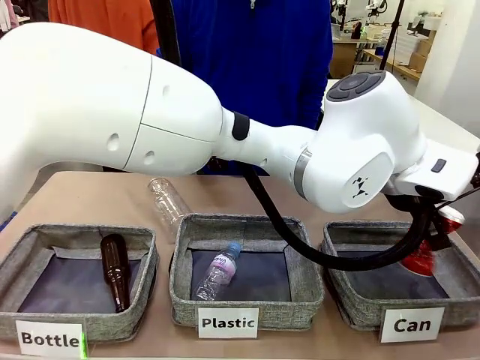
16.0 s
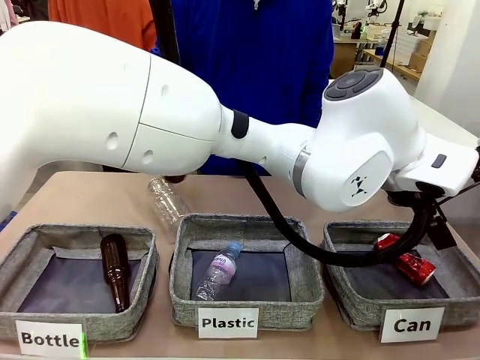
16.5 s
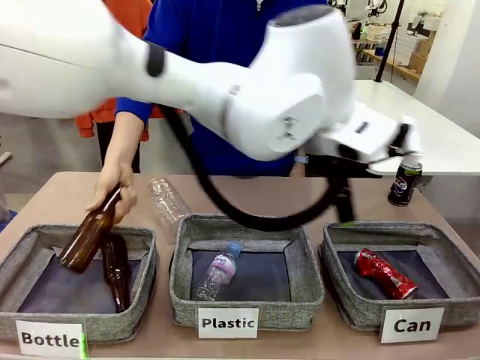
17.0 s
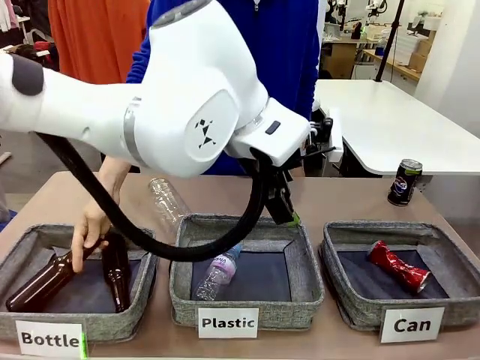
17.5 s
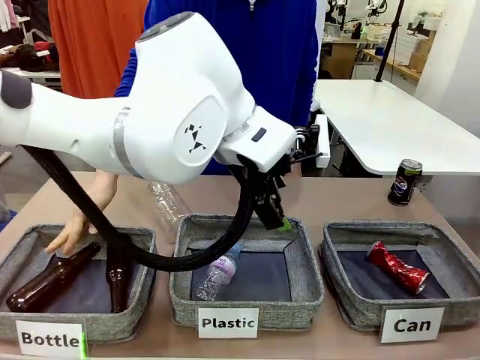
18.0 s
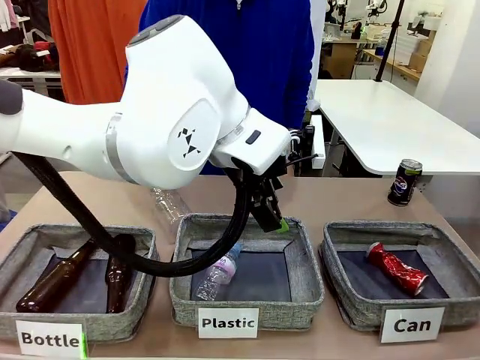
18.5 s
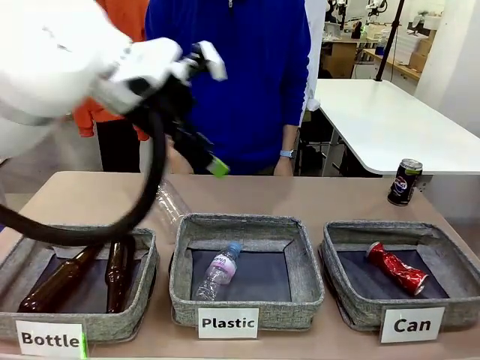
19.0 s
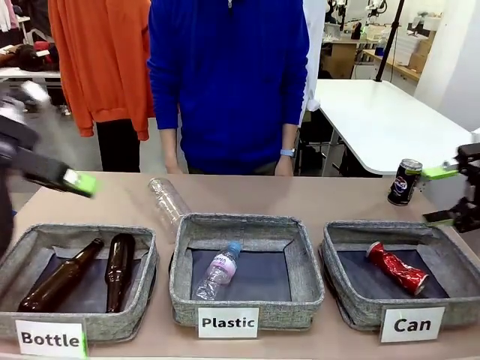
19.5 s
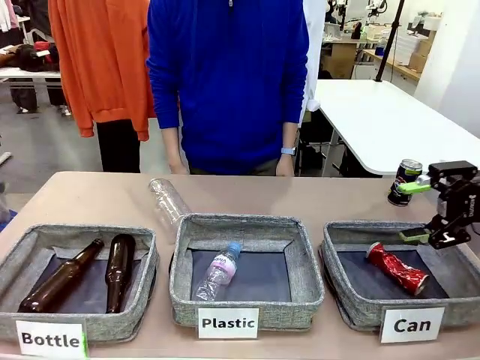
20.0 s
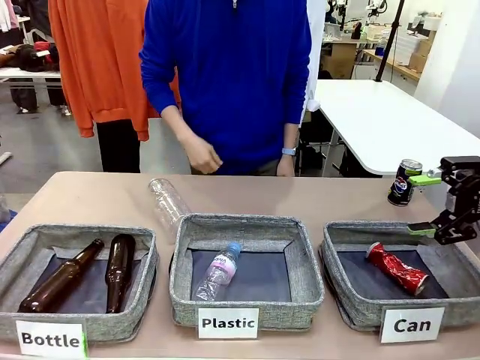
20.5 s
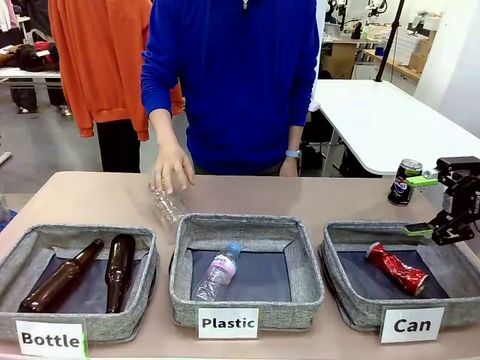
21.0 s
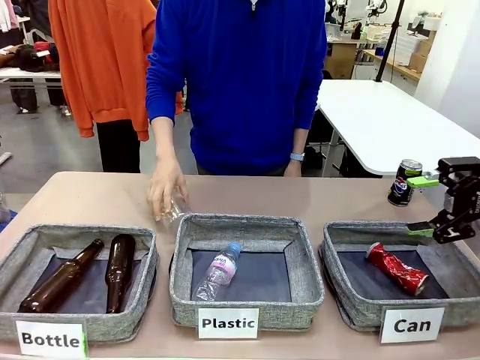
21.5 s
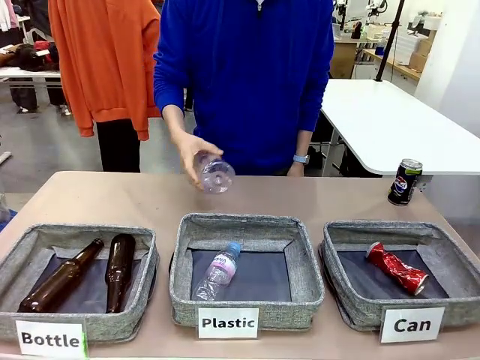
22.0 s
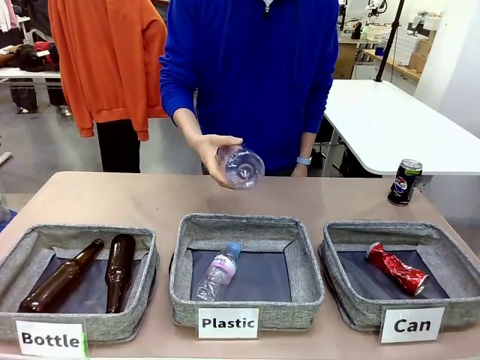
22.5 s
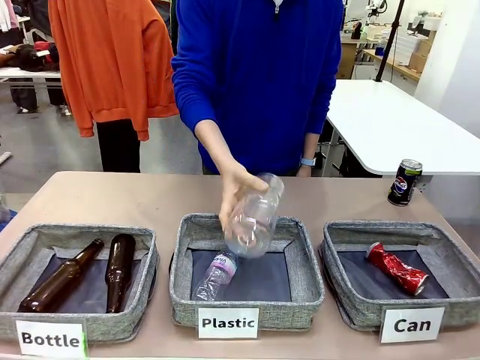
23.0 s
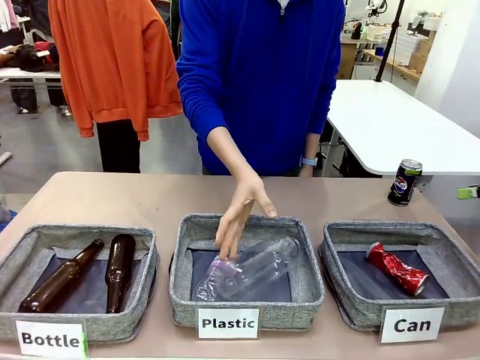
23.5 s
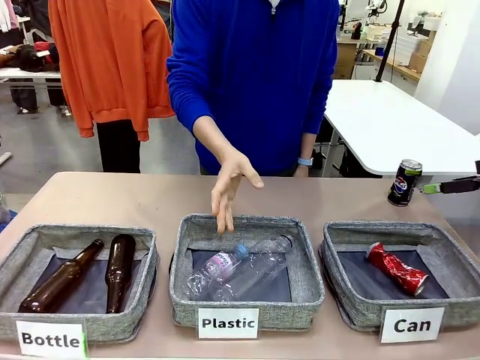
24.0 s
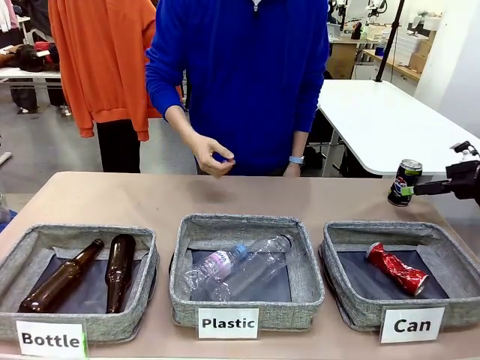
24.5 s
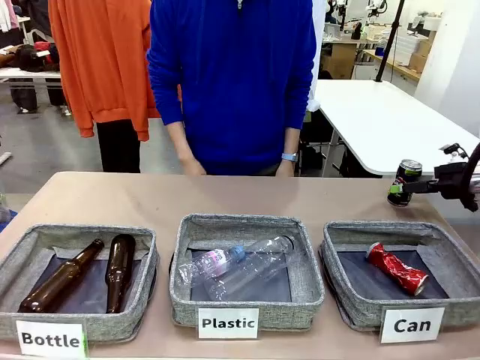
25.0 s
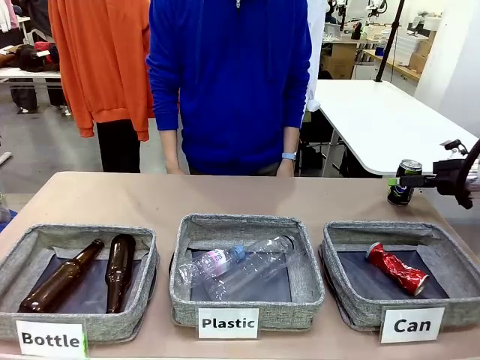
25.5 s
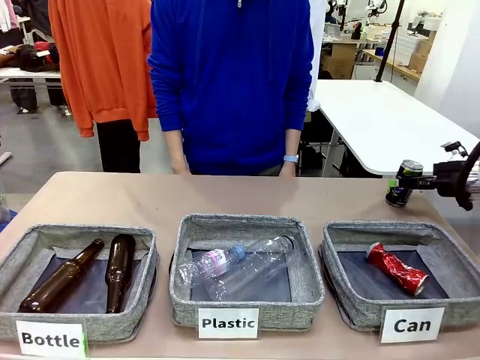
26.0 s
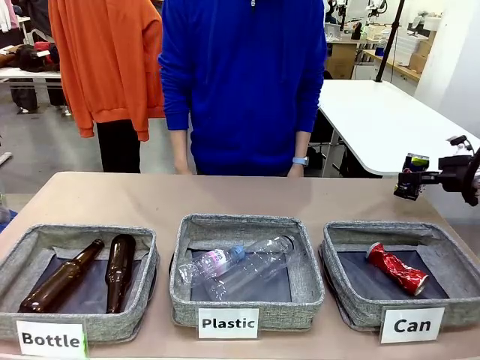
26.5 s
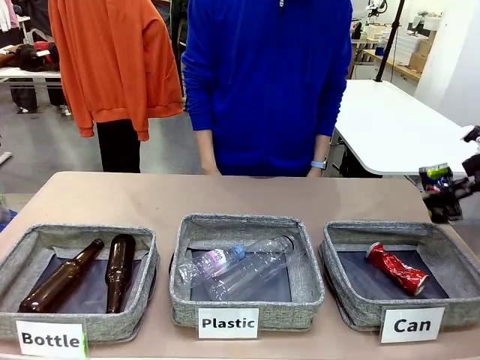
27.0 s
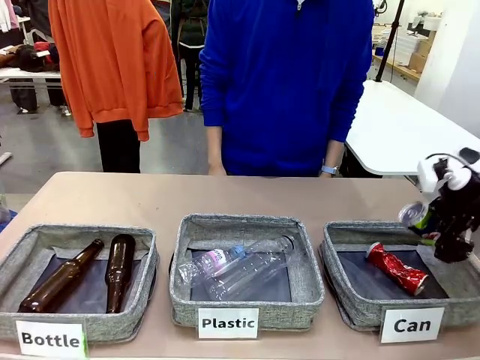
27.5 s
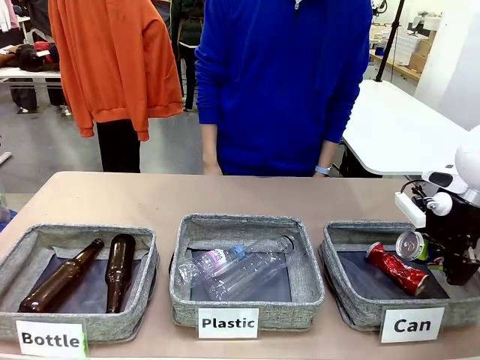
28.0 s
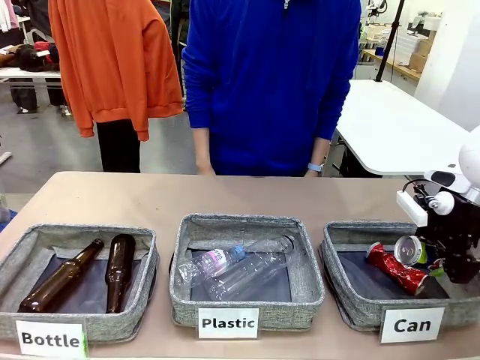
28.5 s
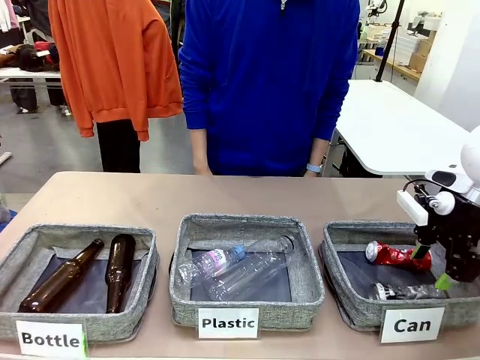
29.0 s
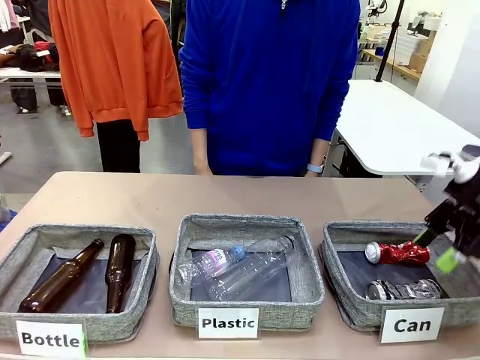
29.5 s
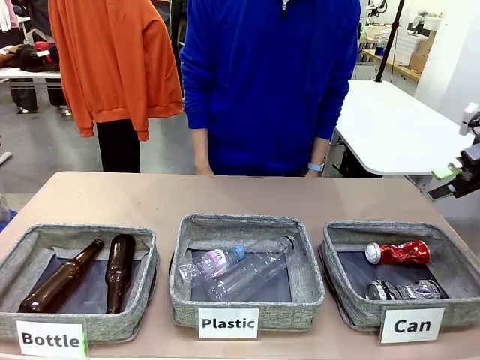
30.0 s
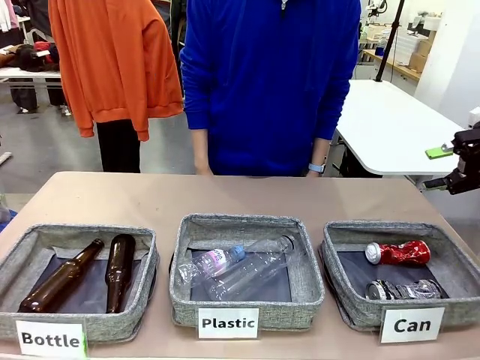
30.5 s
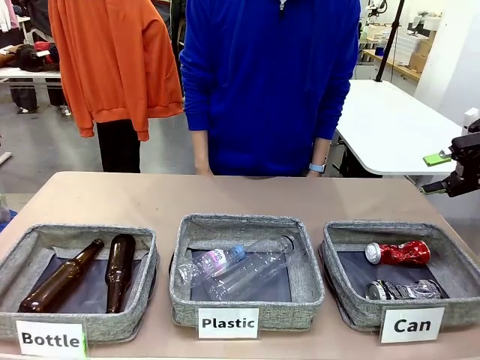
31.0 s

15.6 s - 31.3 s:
Task: Sort the can waste into the basket.
Robot: Pick up the can waste from the table and place it in the right Fabric basket.
Person: The human picks up one piece of trash that is not a can and places the trash into the appropriate organizing basket.

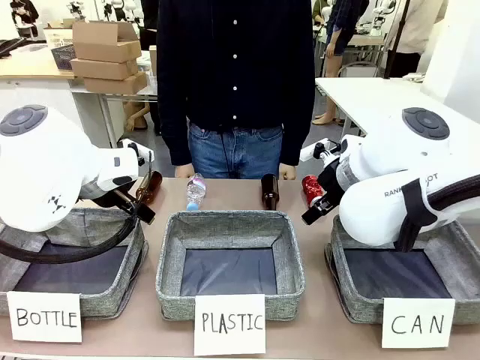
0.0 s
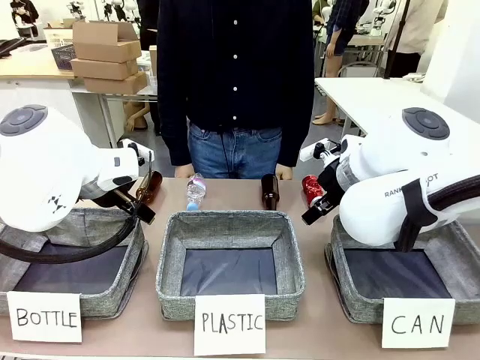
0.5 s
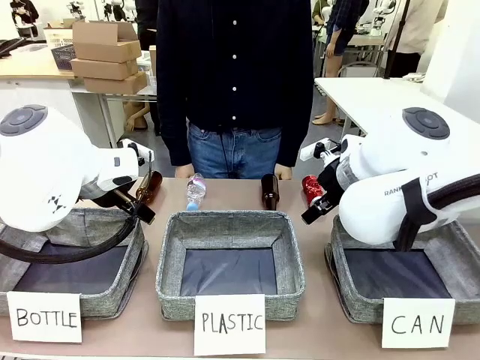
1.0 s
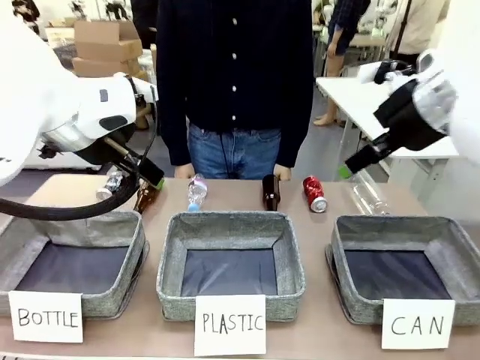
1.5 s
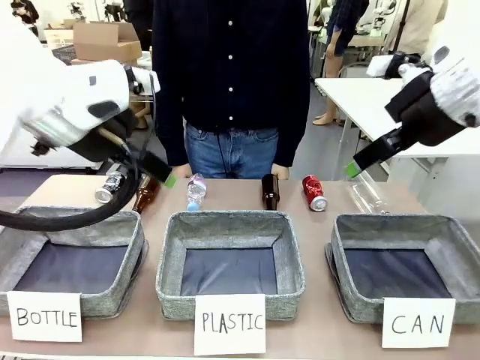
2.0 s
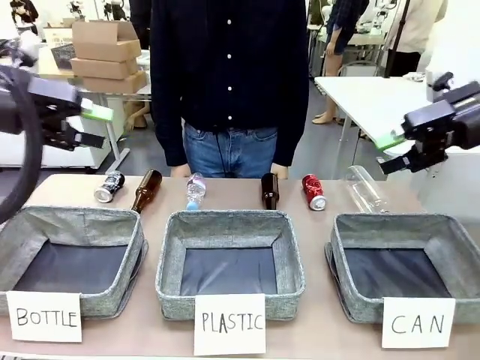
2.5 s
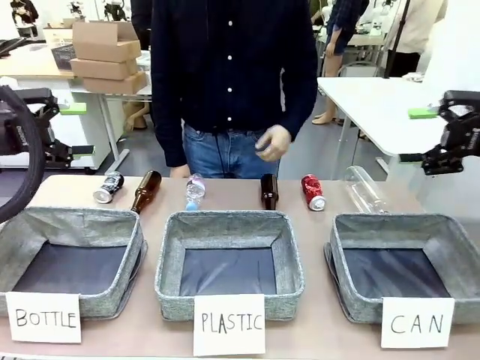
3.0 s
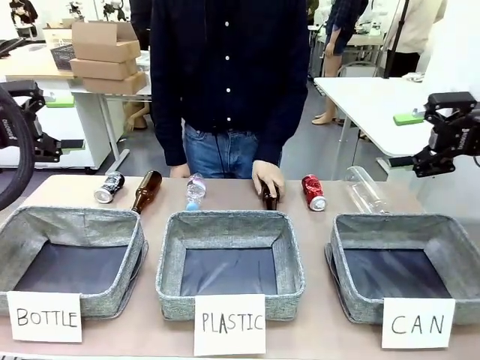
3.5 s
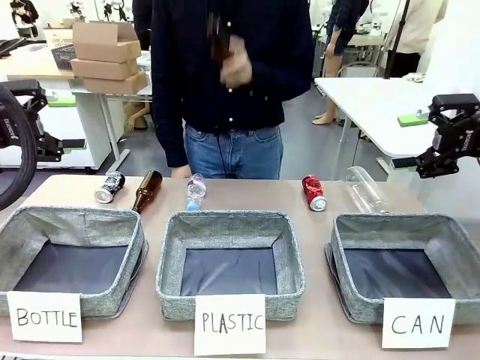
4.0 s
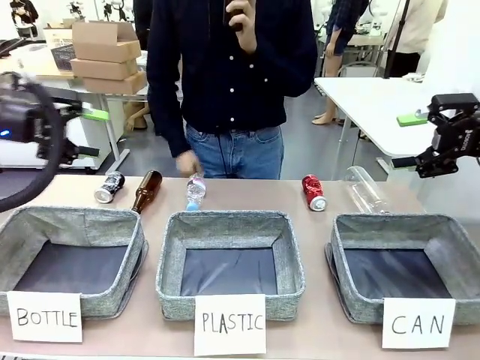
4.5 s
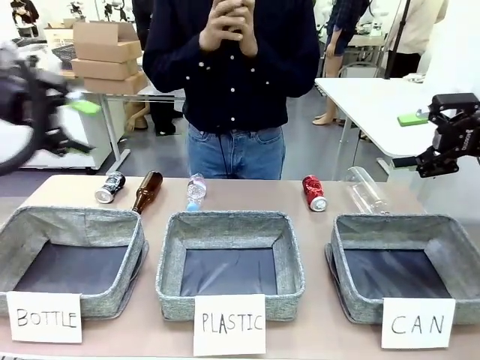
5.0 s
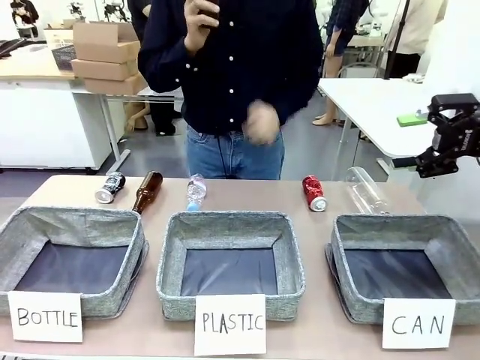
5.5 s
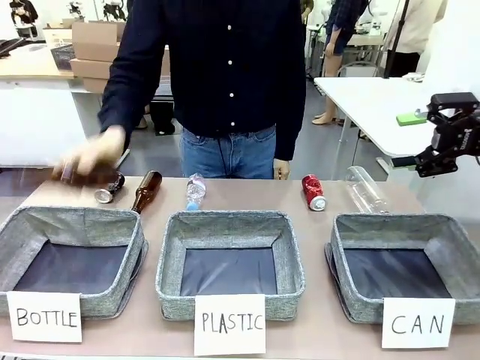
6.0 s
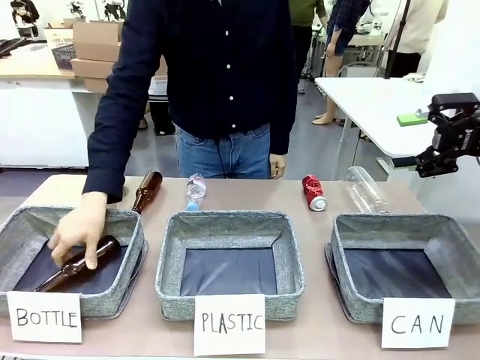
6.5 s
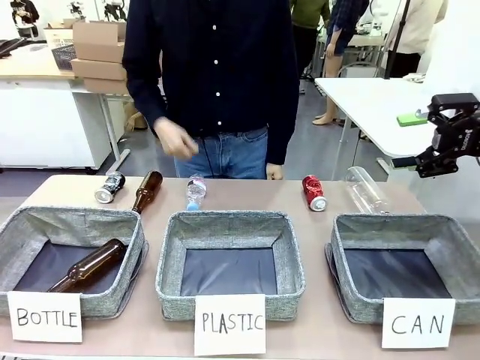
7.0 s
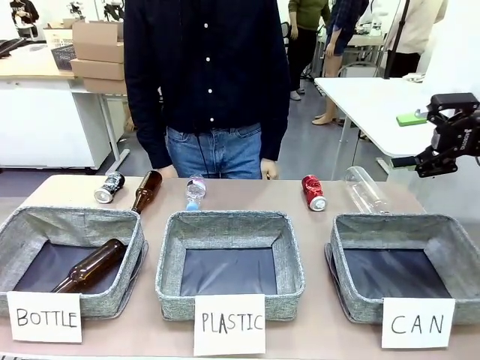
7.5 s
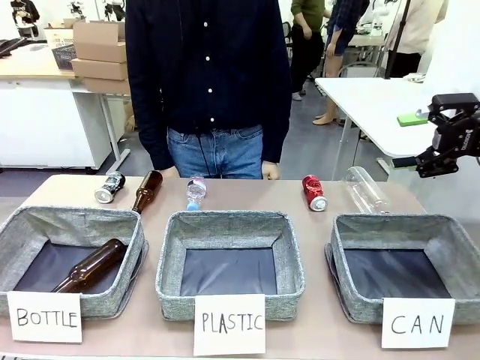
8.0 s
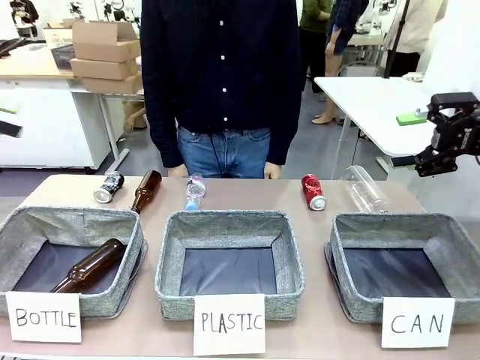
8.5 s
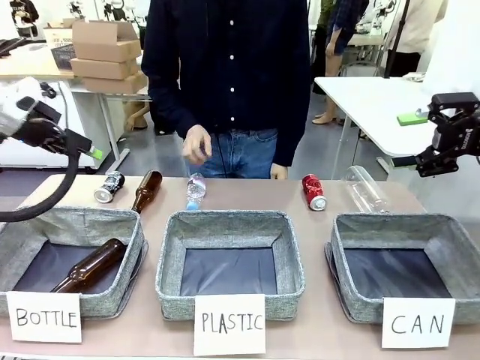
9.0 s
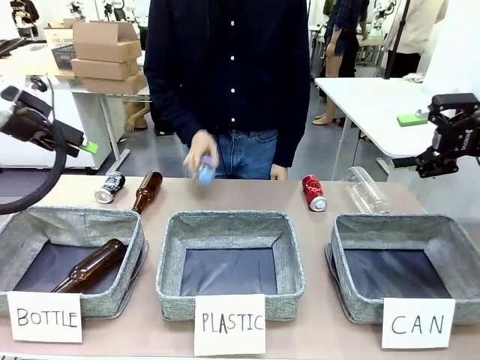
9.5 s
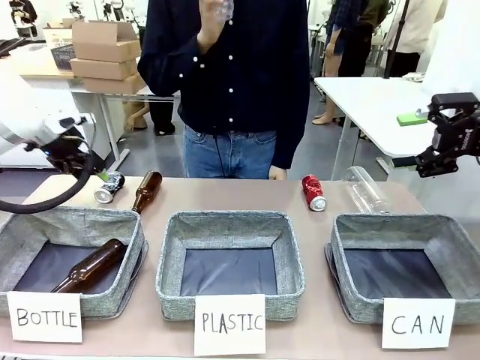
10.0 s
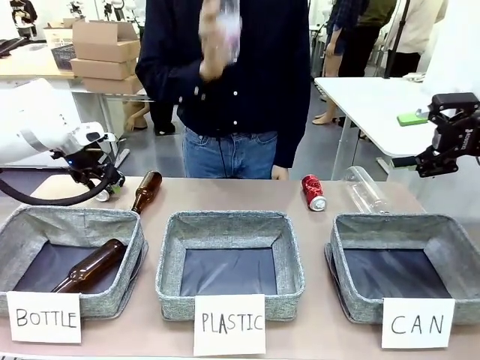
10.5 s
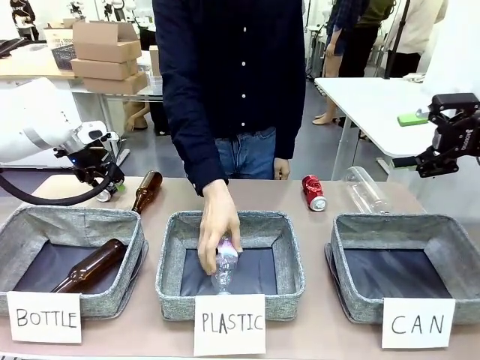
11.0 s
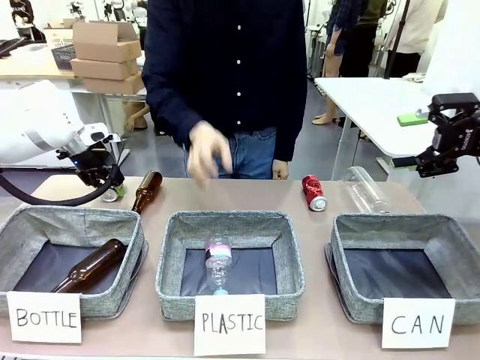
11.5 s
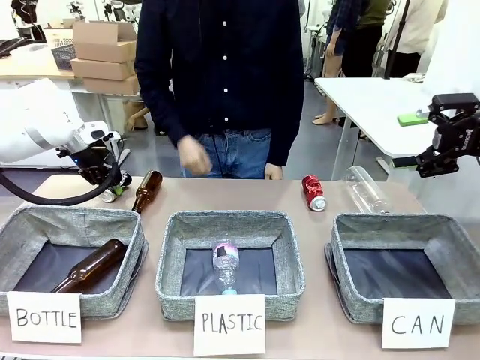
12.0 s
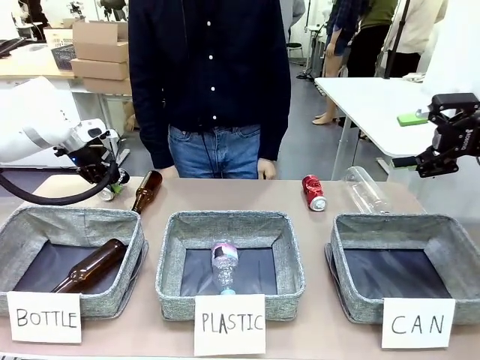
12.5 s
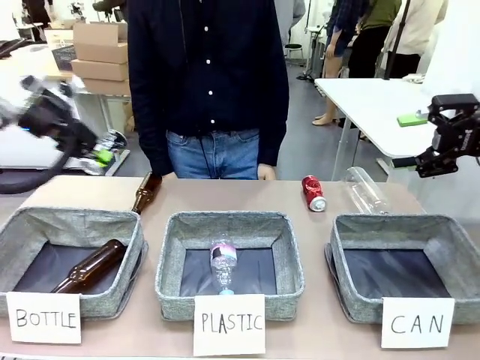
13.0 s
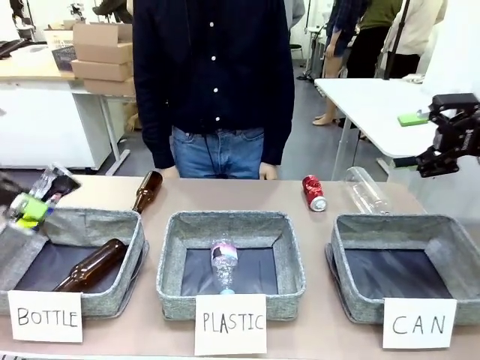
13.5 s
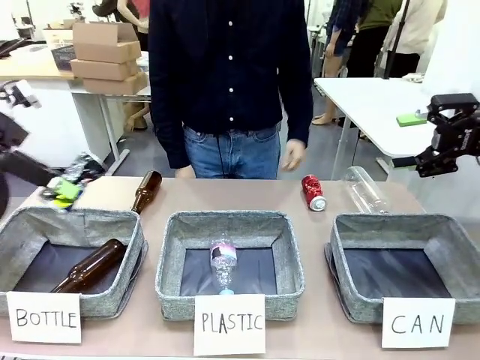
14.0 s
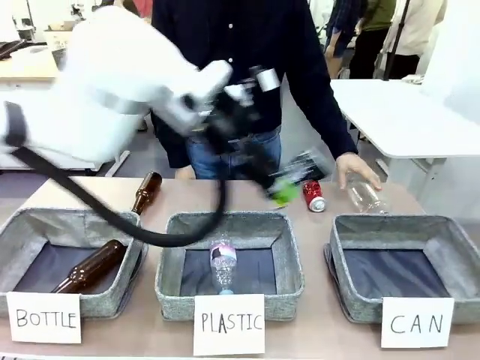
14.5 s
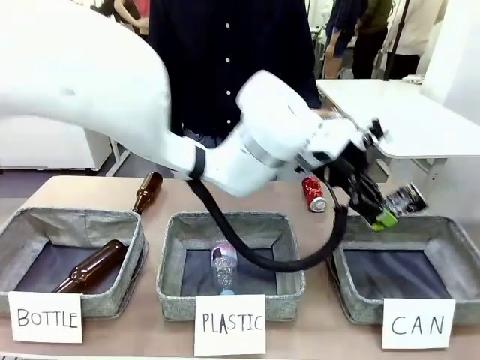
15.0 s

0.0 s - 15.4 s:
Task: Sort the can waste into the basket.
Robot: Pick up the can waste from the table and place it in the right Fabric basket.
